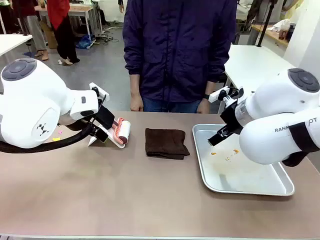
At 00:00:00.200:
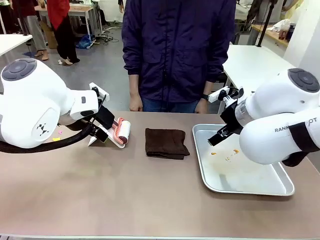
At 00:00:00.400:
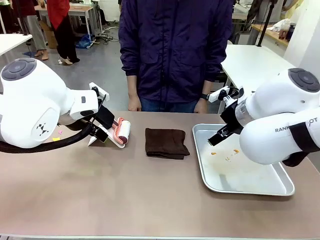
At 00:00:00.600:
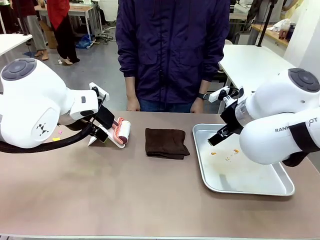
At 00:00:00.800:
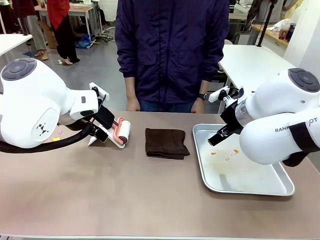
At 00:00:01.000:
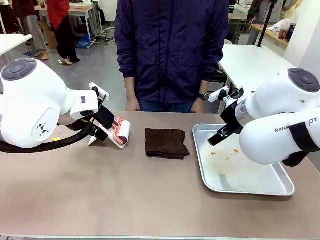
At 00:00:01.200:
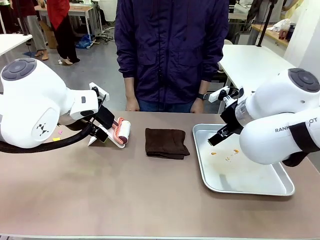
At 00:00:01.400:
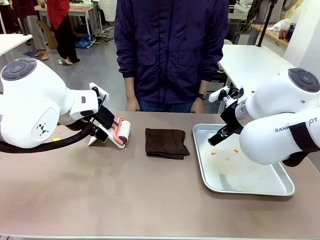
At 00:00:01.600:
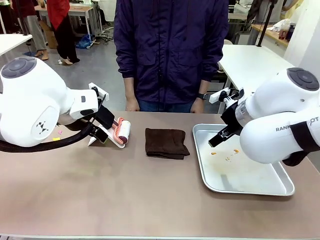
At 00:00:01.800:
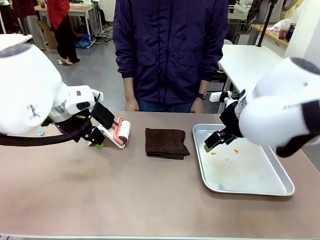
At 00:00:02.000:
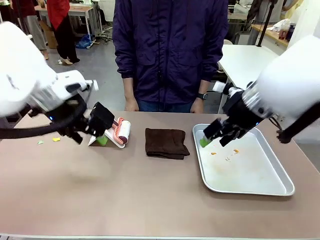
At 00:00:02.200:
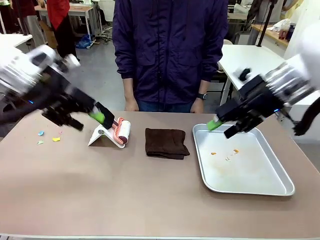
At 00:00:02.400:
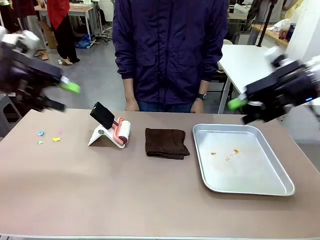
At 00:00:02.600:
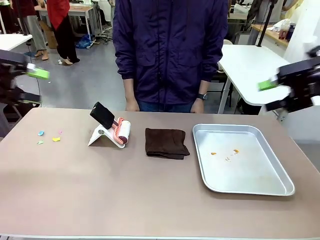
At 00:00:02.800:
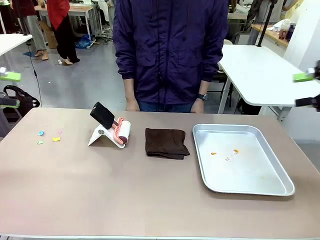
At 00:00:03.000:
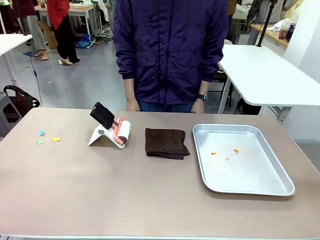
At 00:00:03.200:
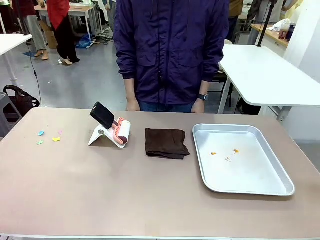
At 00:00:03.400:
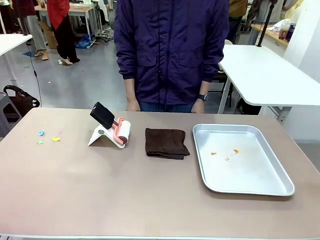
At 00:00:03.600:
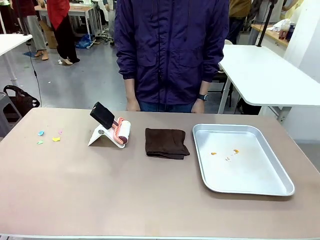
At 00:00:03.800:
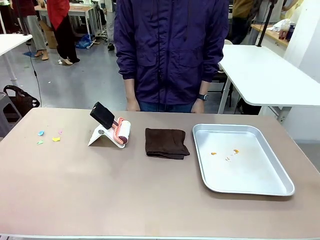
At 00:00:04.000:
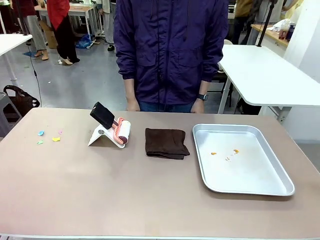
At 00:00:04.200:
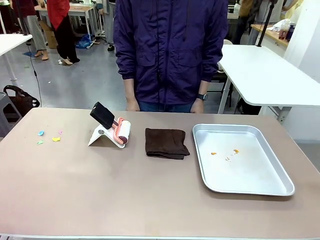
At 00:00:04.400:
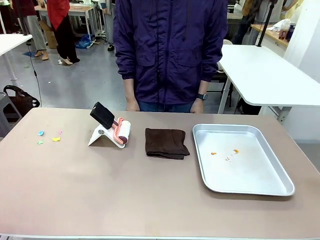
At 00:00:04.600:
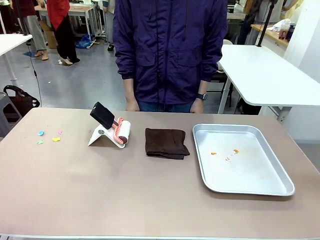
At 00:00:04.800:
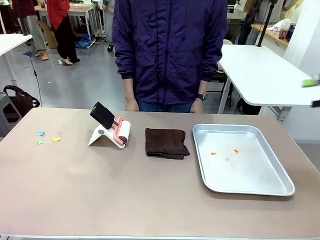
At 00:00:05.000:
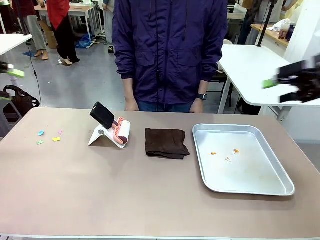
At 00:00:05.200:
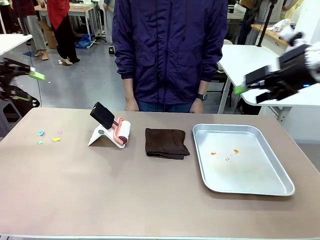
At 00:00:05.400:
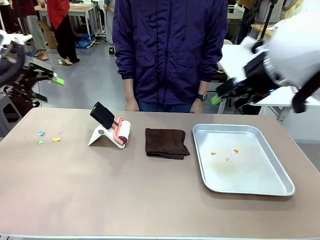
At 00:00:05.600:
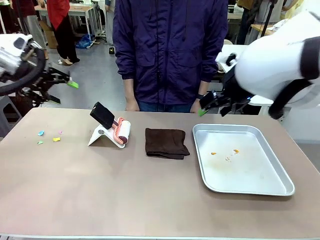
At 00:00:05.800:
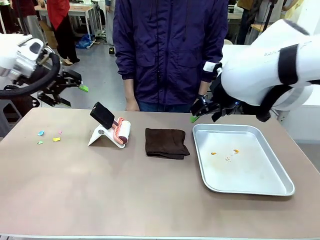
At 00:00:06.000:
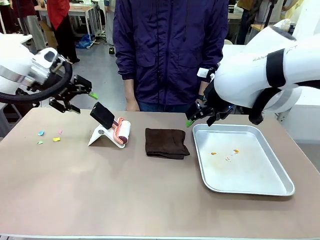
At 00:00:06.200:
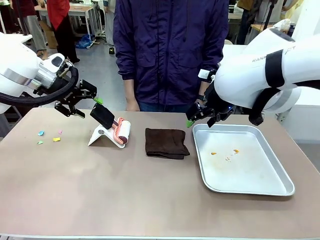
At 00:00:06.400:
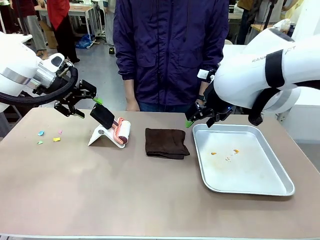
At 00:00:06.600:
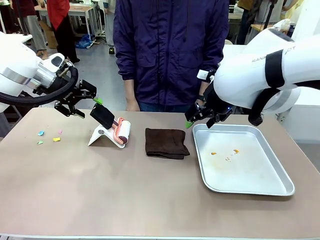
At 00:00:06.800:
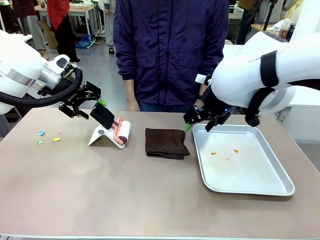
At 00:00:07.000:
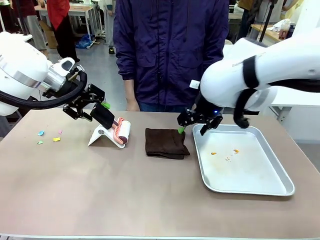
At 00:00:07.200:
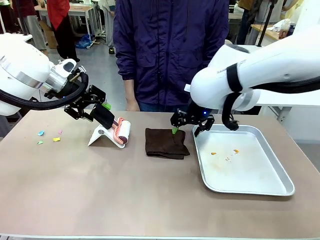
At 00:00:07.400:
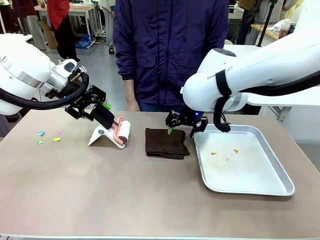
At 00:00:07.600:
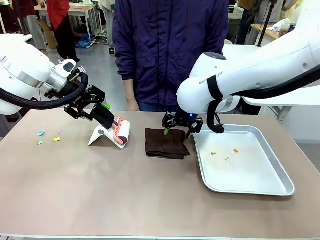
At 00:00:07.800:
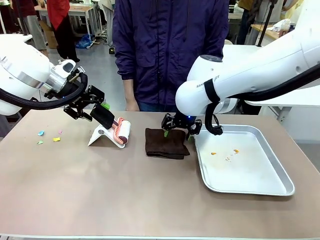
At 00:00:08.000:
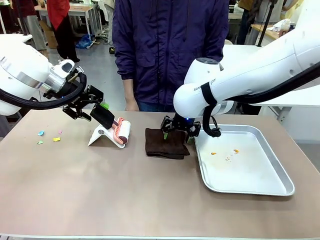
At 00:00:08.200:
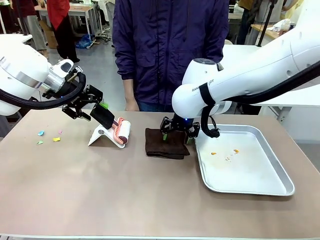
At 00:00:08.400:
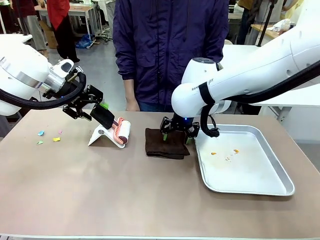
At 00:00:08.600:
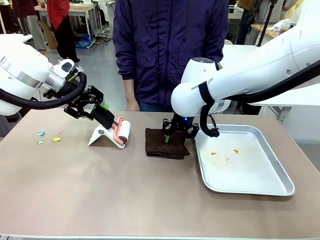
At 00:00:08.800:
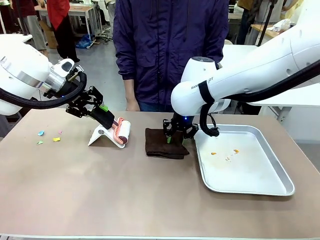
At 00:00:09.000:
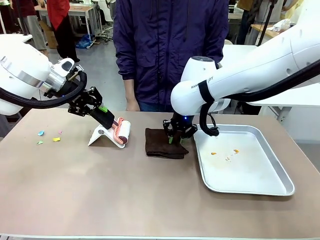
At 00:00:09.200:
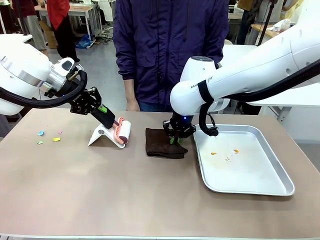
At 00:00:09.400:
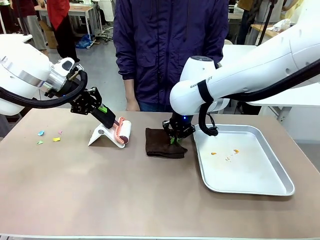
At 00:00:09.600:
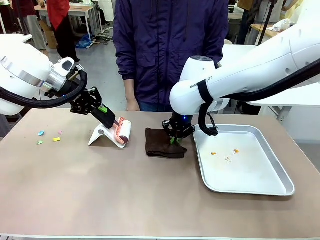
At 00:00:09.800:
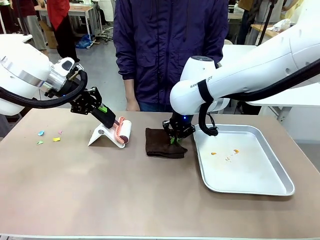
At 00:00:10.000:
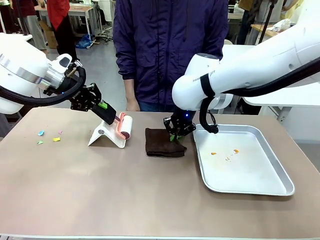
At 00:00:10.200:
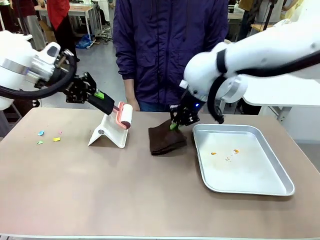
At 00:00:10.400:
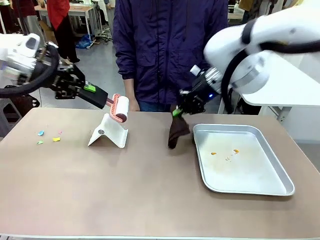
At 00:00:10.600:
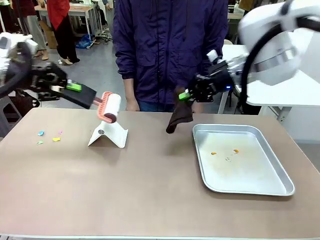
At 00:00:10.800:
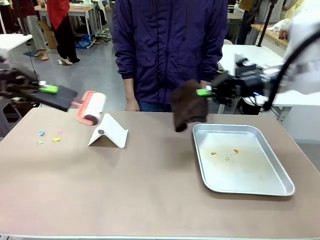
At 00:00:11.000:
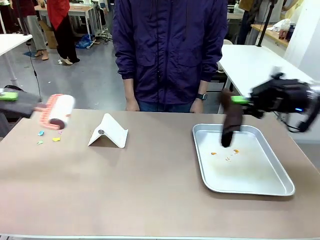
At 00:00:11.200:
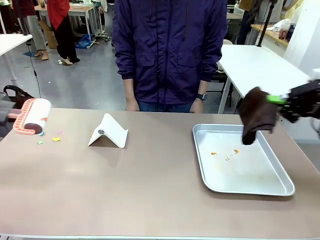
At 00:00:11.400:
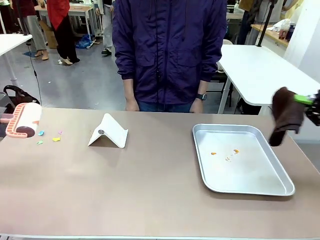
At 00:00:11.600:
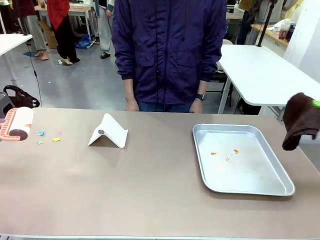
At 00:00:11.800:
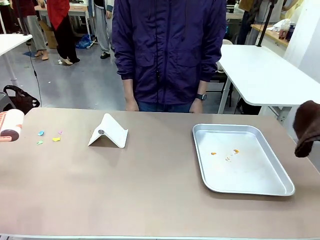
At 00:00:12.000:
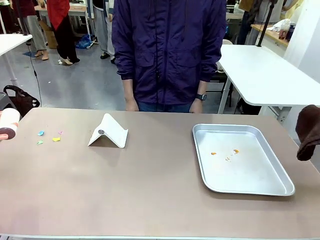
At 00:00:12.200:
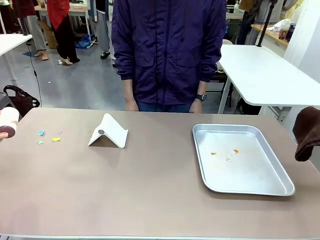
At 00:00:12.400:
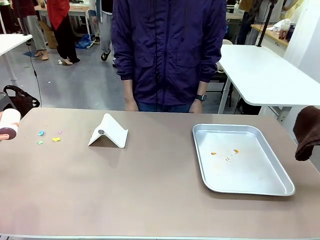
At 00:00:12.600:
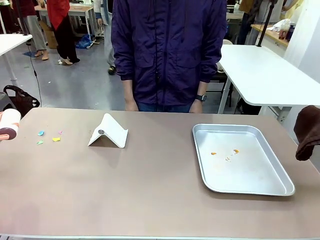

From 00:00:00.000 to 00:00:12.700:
Task: Clean the surface of the table.
Robot: Hold the Lint Roller with your left hand and the towel with your right hand.

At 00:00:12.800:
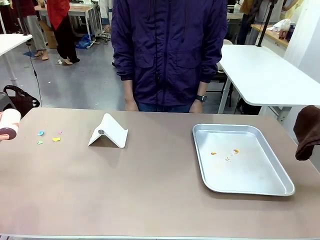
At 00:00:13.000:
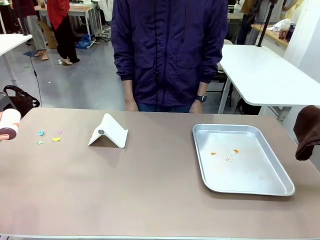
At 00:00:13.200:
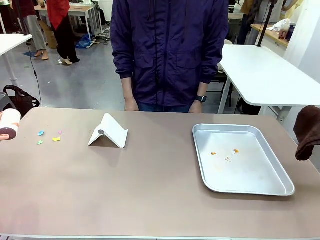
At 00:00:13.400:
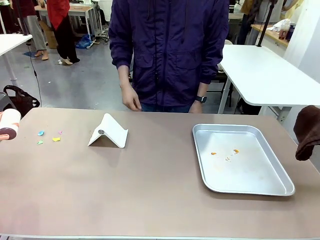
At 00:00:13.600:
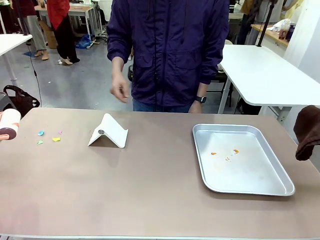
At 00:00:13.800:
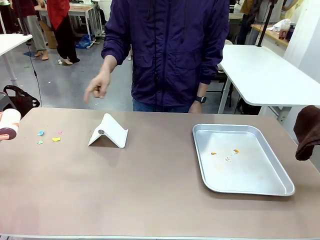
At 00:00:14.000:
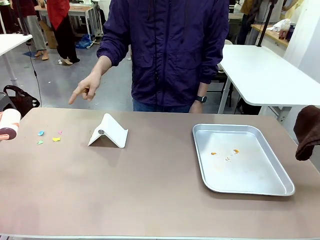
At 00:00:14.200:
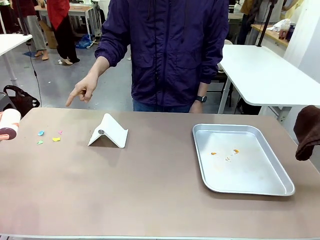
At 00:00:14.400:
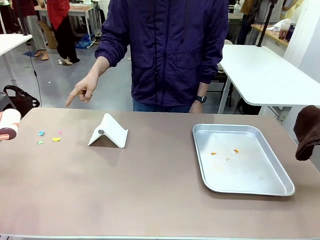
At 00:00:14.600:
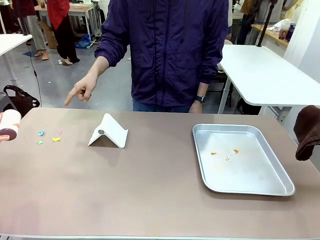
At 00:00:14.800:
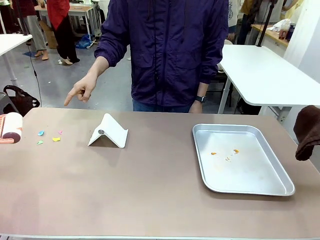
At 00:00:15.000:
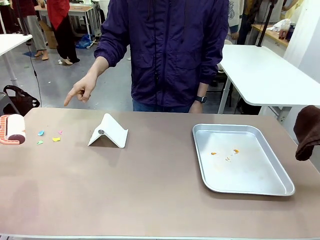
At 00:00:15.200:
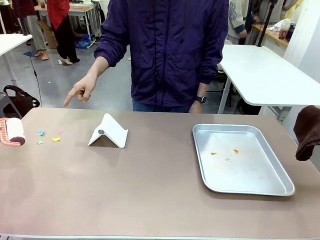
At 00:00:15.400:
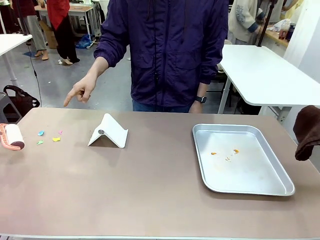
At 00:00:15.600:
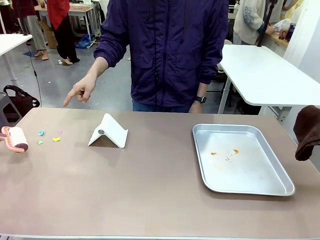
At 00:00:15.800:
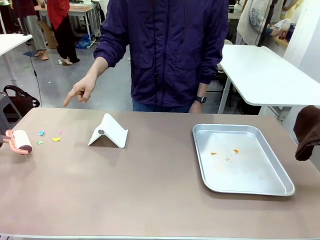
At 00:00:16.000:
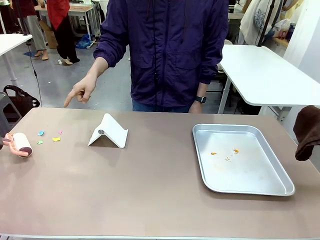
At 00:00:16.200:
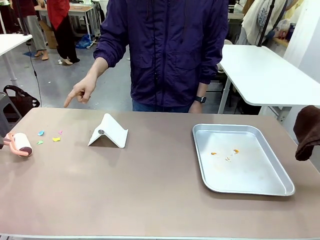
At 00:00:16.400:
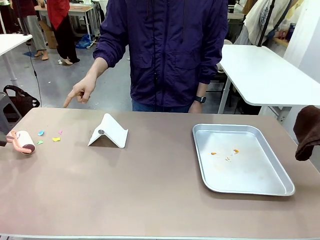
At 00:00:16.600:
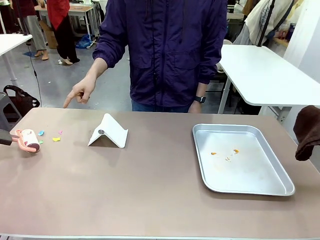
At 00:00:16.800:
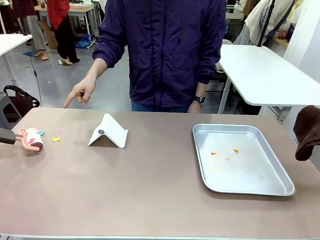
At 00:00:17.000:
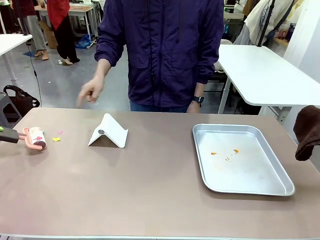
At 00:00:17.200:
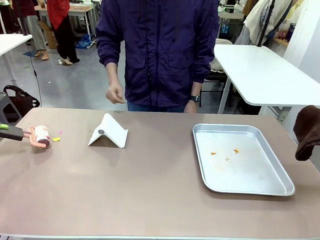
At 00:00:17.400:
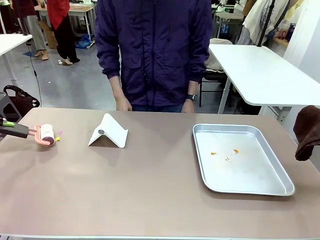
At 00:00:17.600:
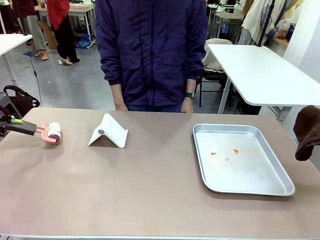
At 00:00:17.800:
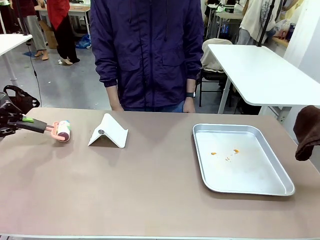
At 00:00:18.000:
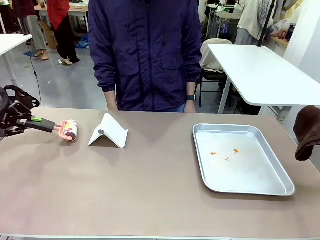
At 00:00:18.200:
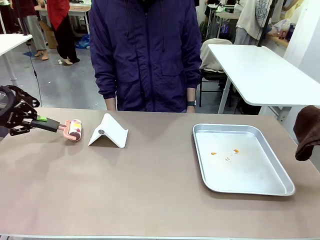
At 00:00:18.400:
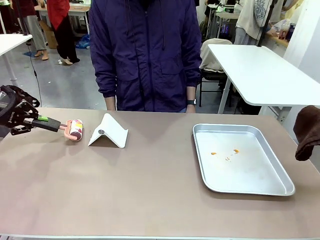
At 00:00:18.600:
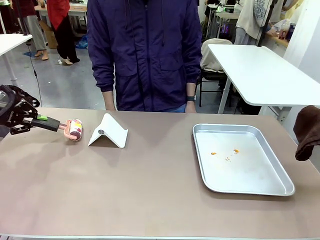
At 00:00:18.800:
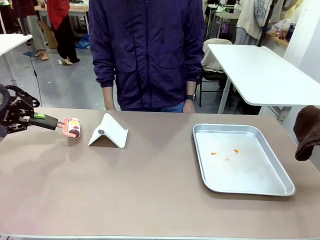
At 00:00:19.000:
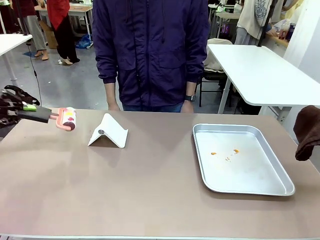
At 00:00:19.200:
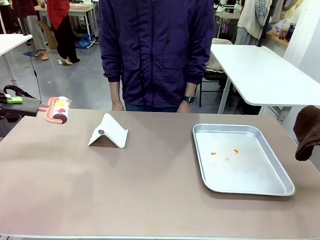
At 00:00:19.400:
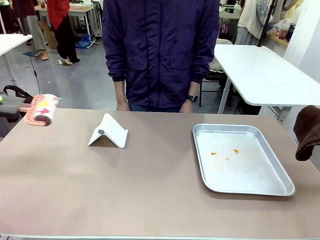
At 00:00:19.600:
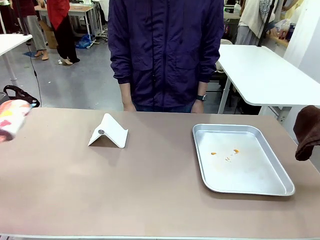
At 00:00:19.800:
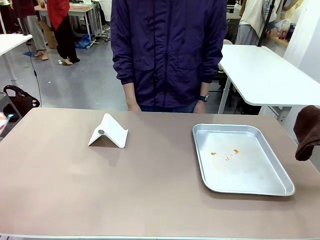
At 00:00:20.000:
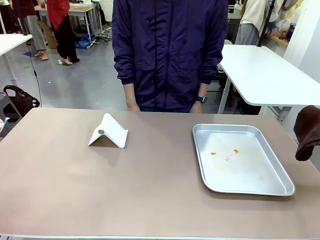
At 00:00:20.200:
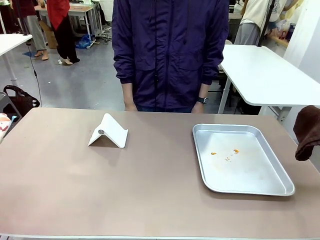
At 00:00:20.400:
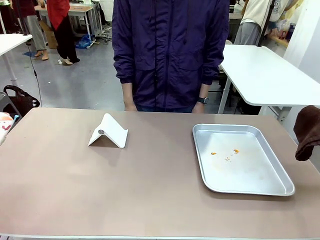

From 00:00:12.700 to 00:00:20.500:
Robot: If a person points to the right, clean the right side of the table with your right hand, and if they point to the left, clean the left side with your left hand.
